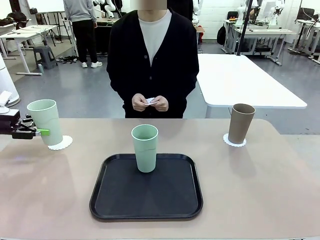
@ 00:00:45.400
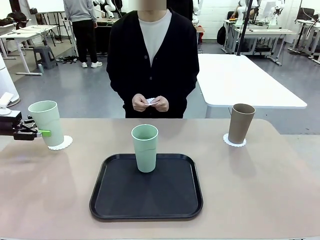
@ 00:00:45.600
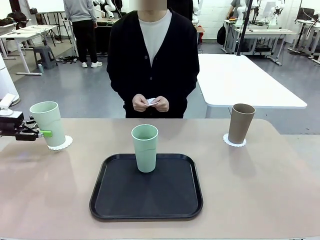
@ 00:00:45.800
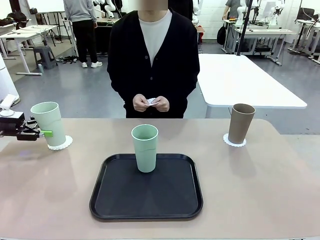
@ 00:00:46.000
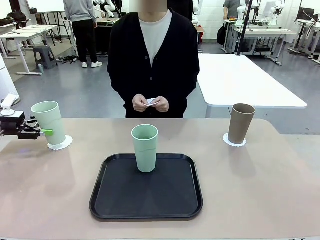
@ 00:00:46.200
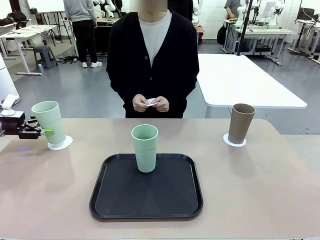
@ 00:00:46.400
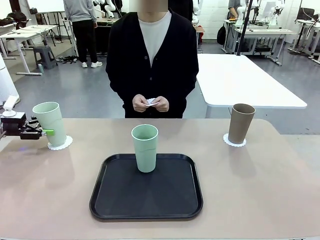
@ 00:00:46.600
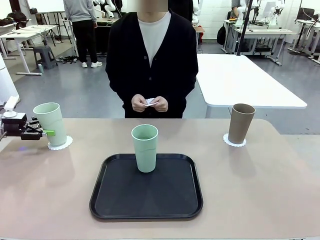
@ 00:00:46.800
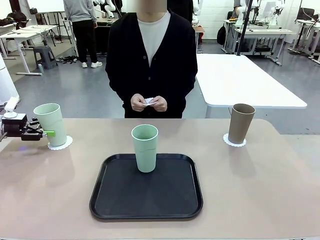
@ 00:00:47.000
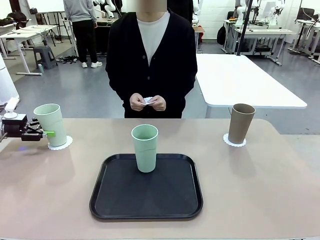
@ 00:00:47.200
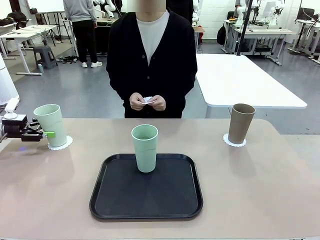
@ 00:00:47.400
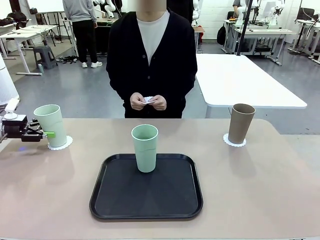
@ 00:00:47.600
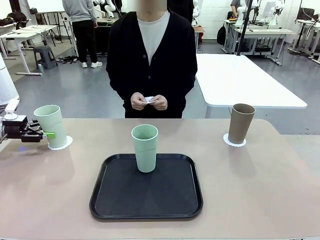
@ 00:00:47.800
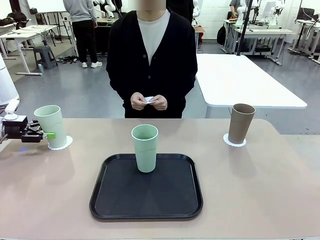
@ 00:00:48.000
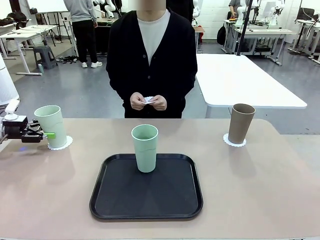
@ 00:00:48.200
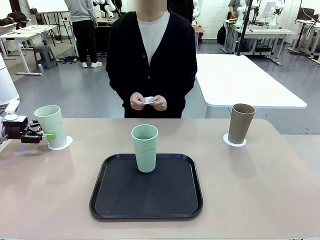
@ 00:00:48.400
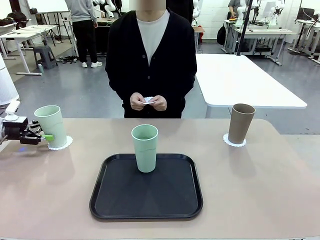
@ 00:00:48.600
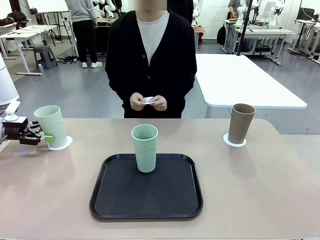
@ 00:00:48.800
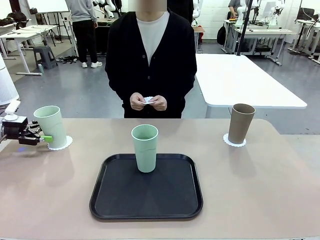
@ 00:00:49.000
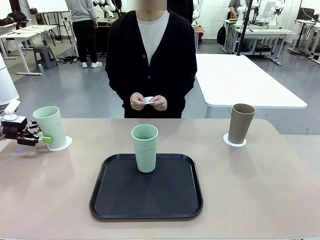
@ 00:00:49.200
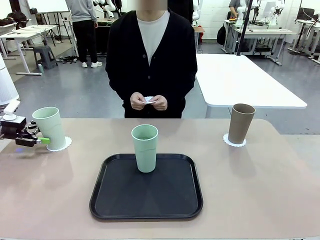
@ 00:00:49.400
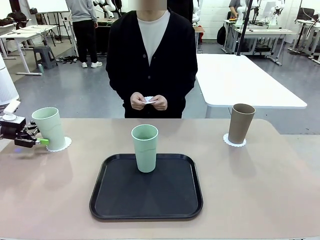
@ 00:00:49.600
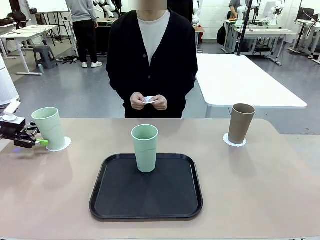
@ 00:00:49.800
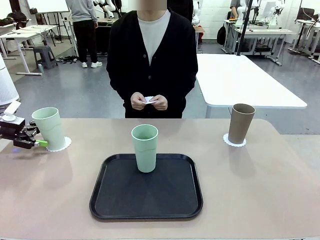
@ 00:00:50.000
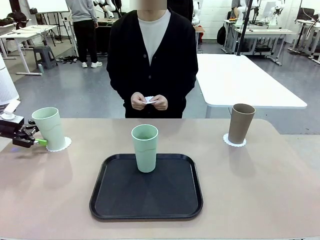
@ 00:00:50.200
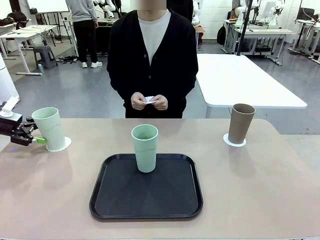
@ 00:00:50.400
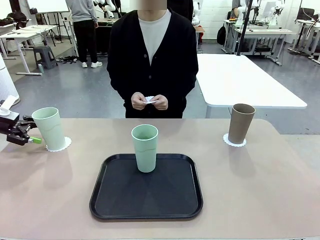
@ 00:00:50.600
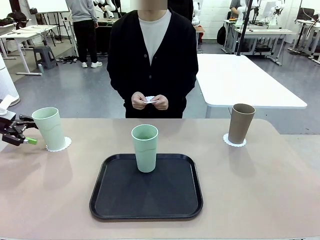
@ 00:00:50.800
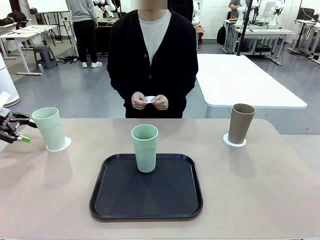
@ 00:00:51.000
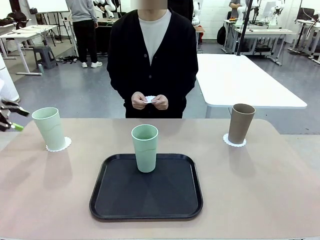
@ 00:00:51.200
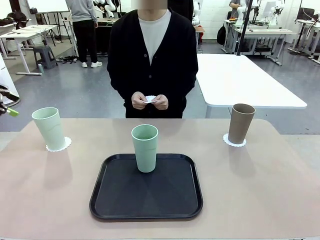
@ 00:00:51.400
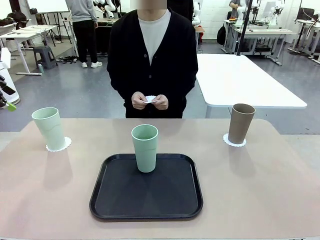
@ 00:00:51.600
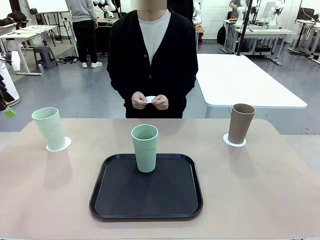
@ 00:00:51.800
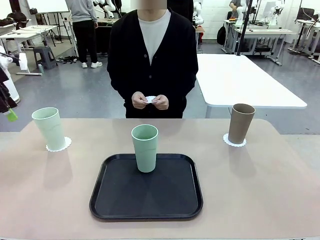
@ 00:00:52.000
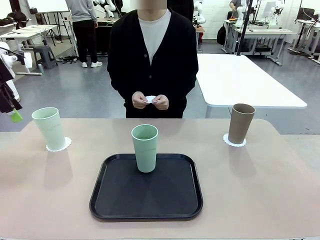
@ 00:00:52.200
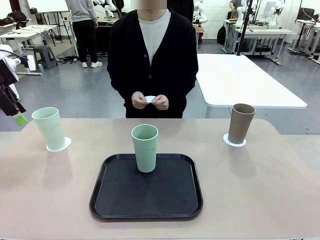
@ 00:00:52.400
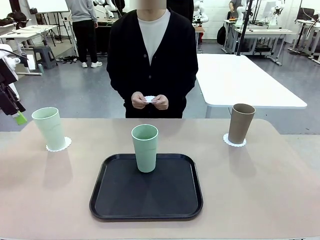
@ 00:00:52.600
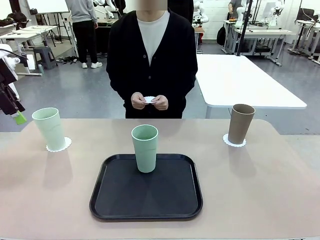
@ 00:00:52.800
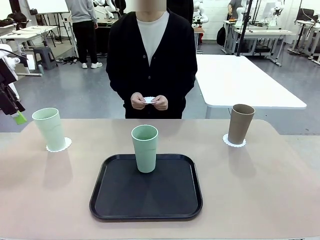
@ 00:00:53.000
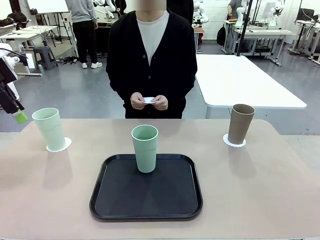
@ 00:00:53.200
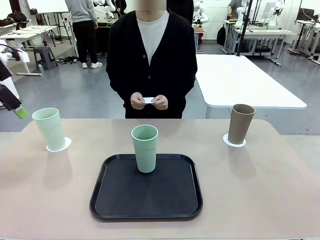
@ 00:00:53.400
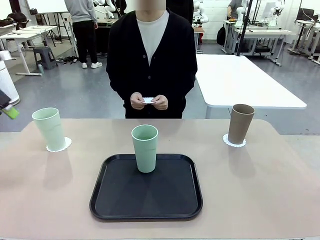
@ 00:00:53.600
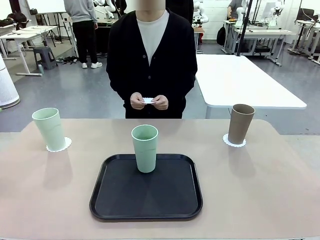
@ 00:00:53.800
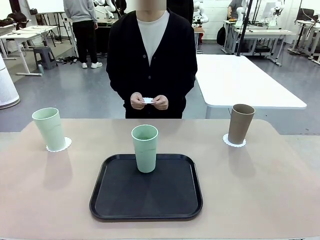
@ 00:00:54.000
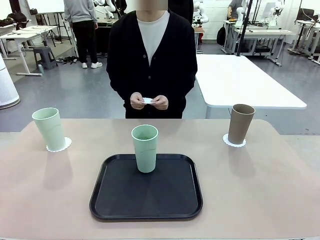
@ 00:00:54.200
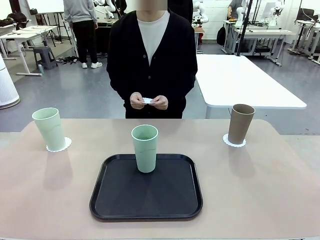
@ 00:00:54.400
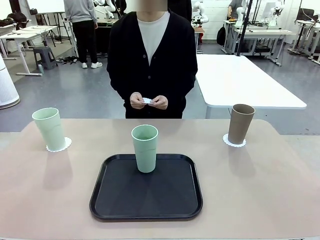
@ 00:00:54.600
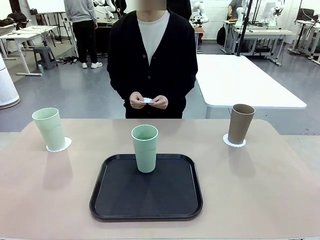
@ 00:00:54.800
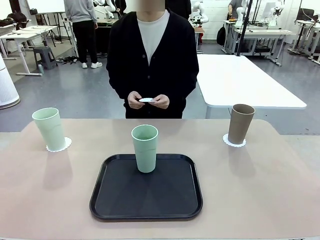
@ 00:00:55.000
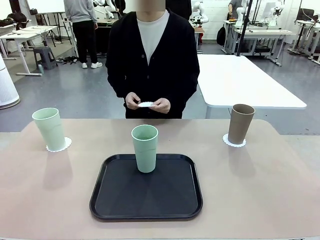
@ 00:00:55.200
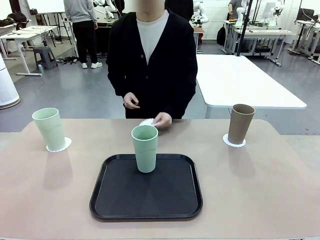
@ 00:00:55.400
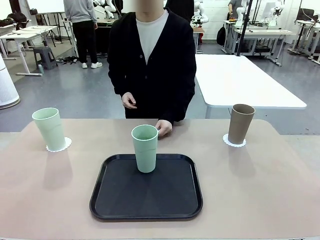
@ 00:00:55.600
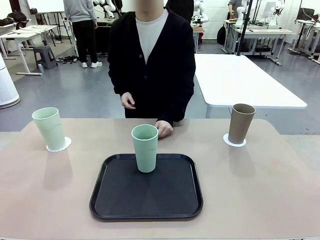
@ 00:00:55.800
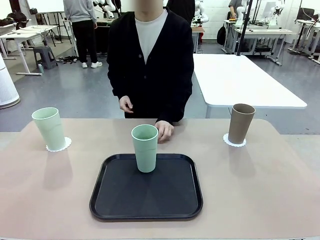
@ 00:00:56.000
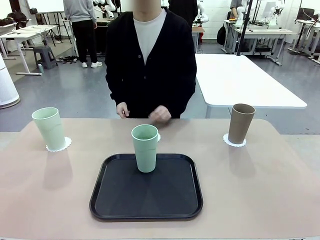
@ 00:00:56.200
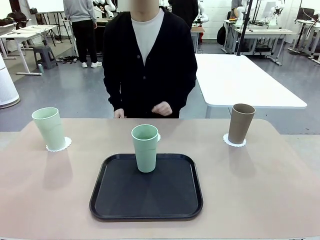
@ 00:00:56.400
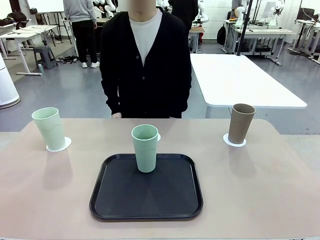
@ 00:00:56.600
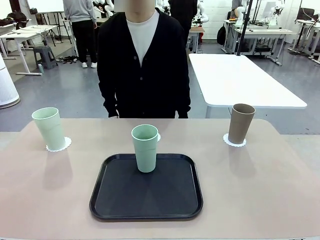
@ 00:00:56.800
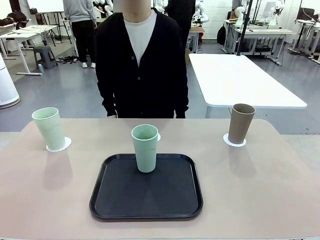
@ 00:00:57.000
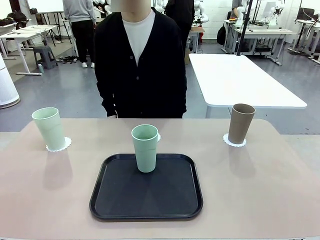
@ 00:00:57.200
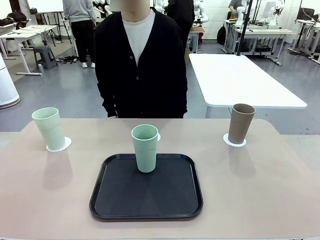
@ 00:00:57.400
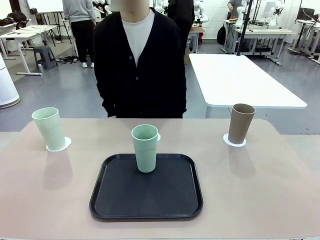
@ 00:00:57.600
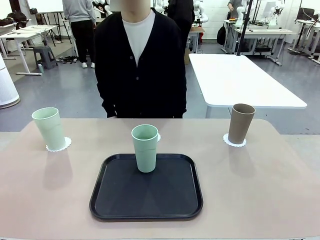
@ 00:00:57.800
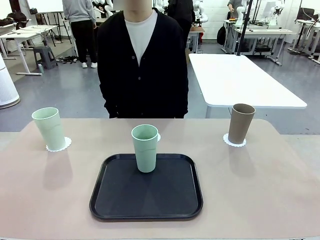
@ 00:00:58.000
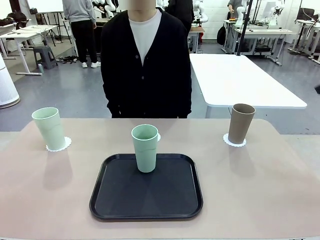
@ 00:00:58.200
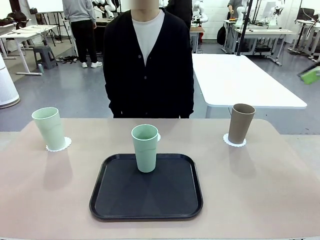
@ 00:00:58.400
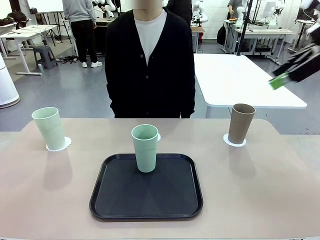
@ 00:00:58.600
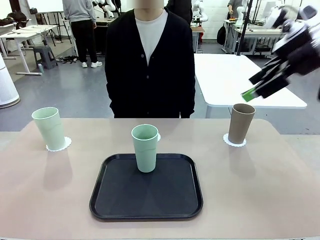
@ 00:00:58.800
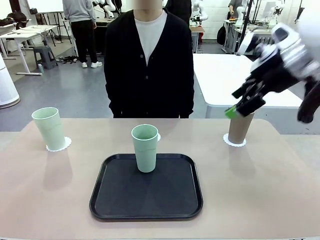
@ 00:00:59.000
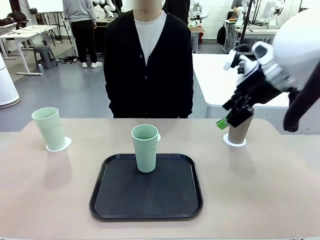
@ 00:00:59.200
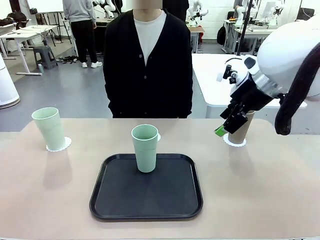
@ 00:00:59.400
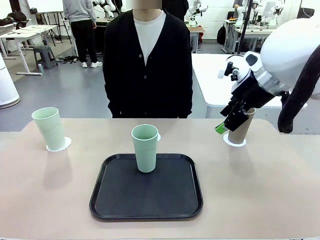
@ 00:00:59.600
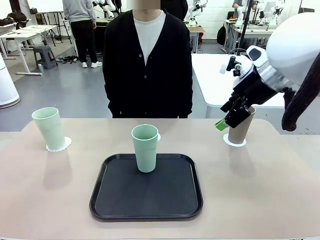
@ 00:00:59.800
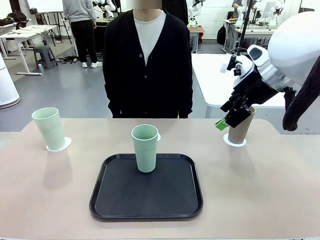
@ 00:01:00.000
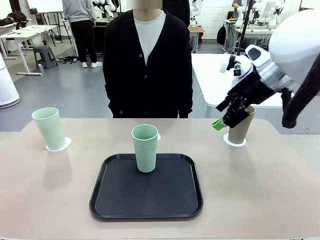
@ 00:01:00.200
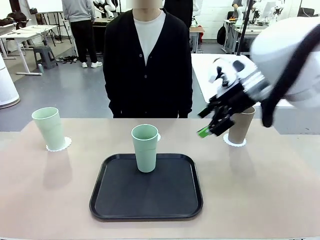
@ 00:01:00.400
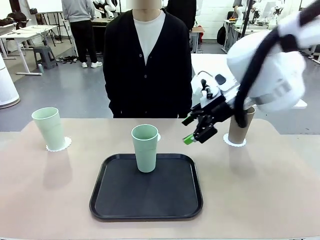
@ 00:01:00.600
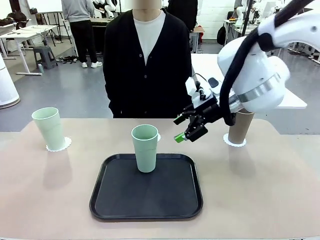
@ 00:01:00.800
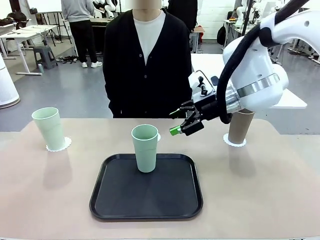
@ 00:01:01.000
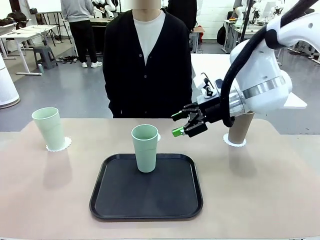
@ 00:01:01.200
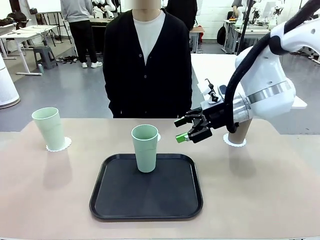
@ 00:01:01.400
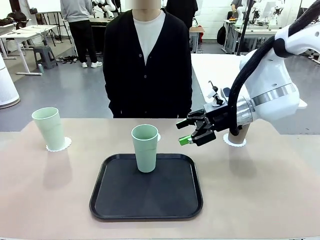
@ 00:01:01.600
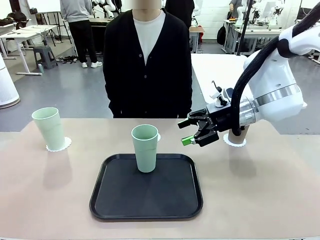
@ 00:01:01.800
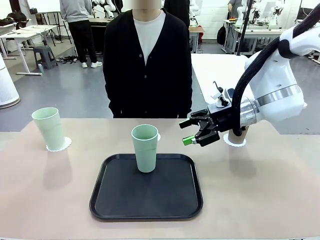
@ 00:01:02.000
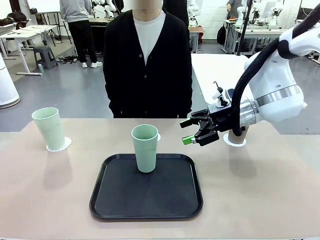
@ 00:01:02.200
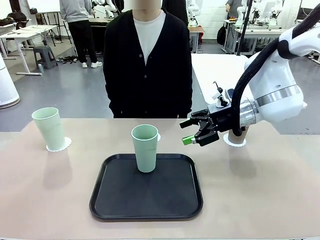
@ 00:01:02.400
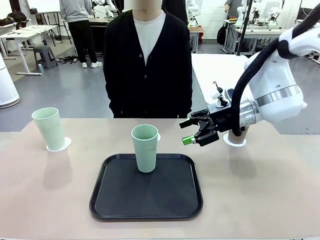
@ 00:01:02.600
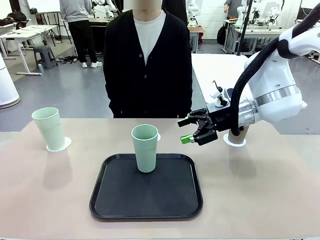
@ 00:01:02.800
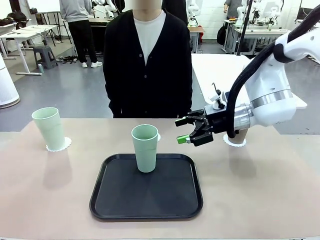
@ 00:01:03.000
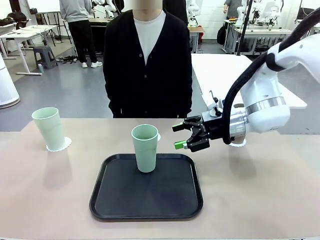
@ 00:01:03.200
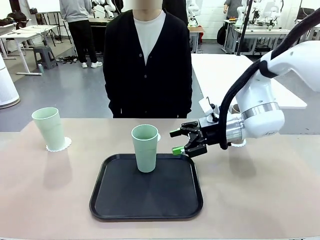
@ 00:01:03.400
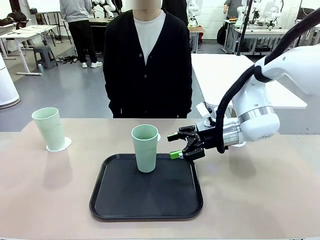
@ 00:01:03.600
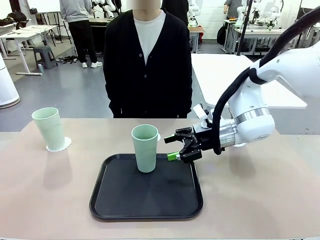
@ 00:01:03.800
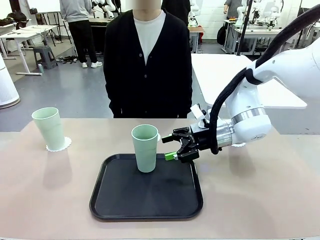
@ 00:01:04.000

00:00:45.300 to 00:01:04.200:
Task: Place coasters on the table and set cups on them.
Robot: Take one Reusable plastic cup from the Flat Tray and place it on a coaster set by the human.
